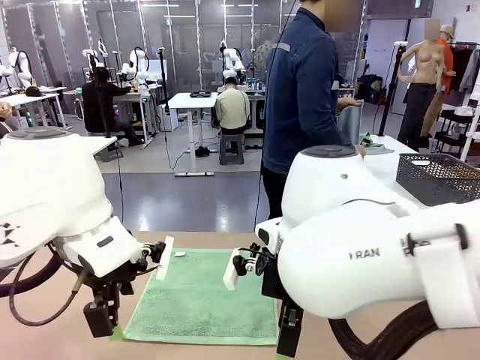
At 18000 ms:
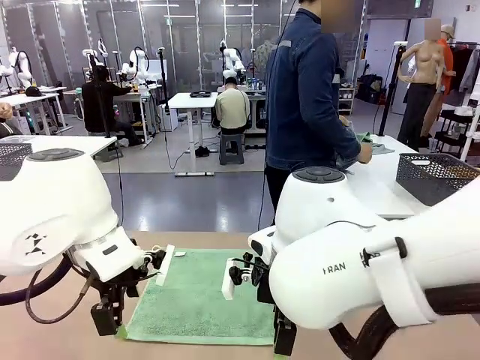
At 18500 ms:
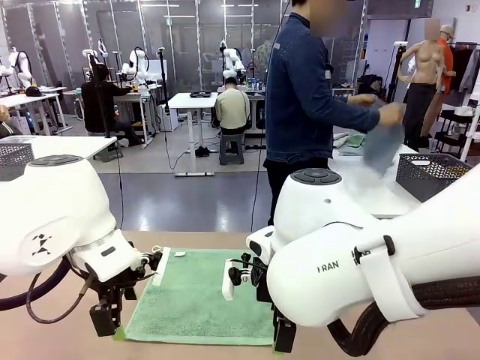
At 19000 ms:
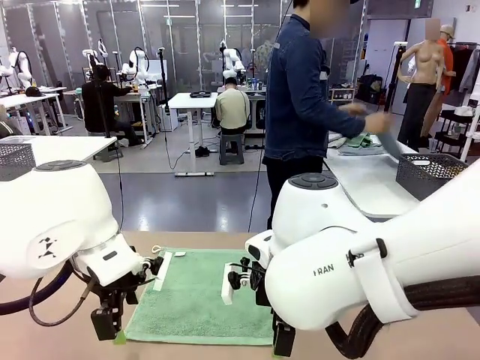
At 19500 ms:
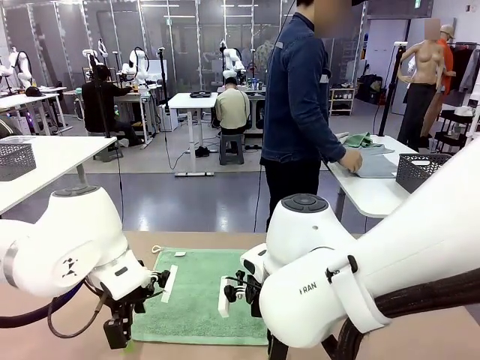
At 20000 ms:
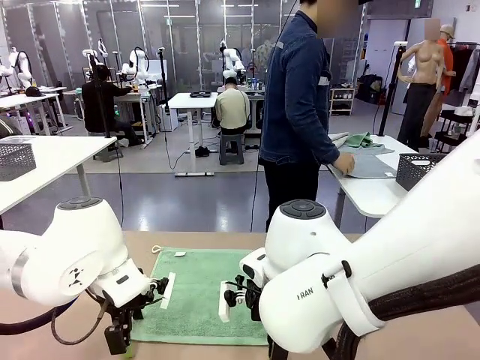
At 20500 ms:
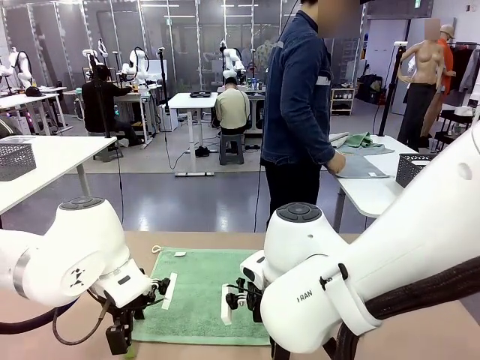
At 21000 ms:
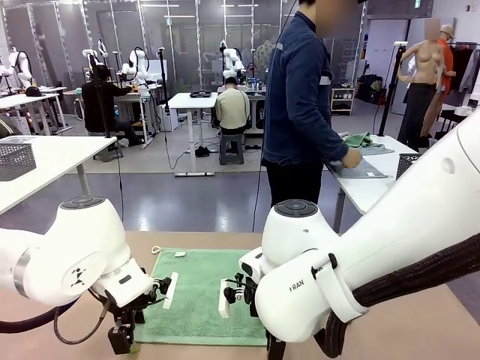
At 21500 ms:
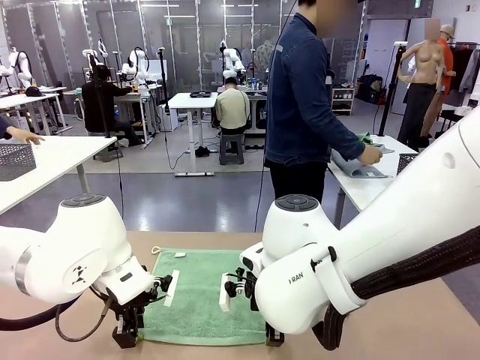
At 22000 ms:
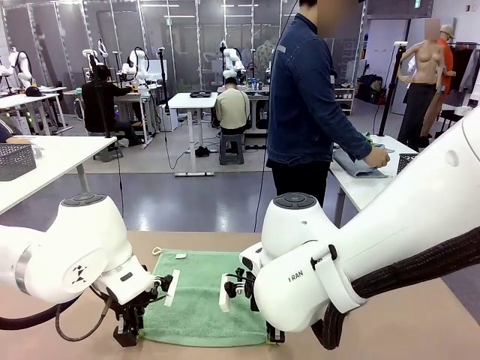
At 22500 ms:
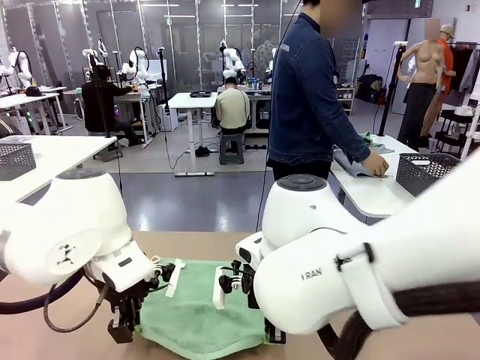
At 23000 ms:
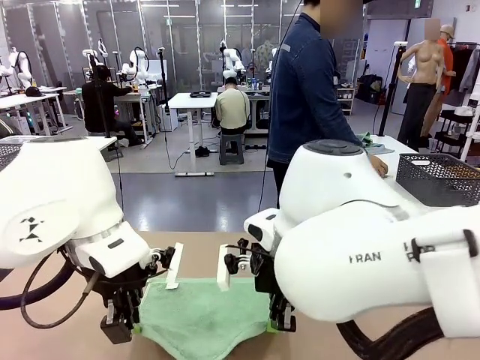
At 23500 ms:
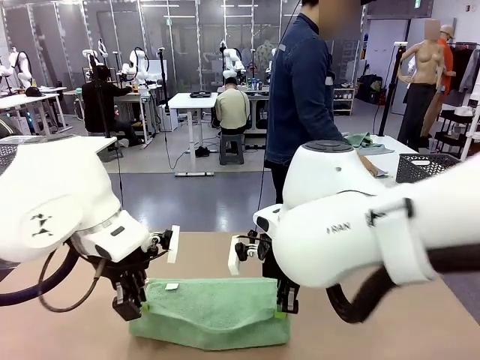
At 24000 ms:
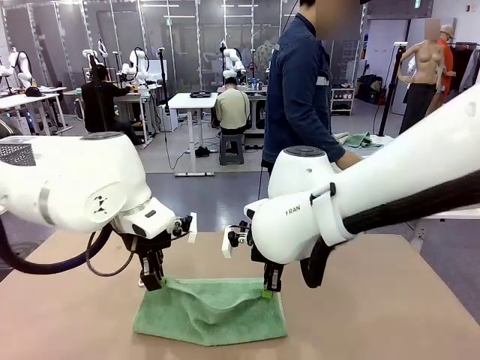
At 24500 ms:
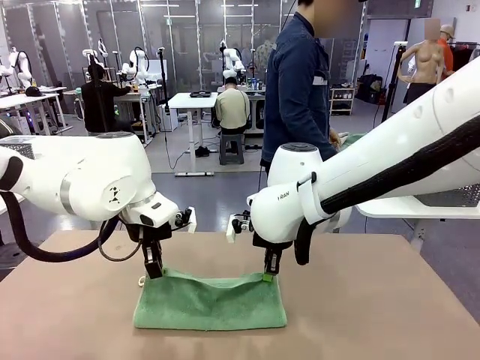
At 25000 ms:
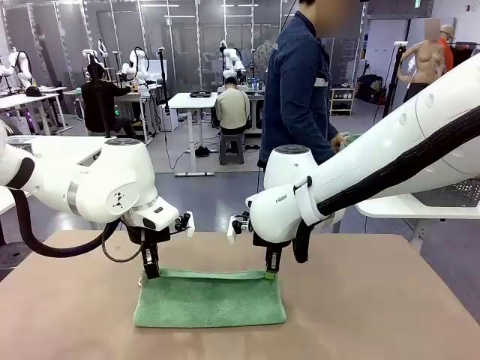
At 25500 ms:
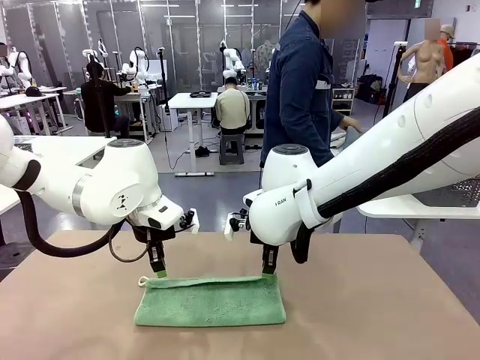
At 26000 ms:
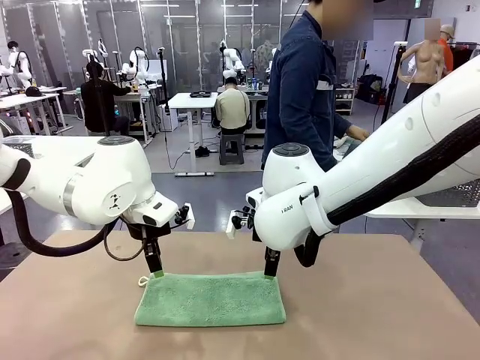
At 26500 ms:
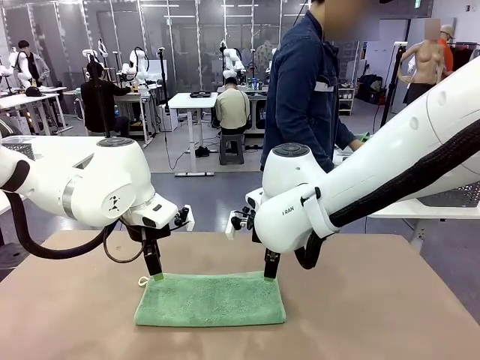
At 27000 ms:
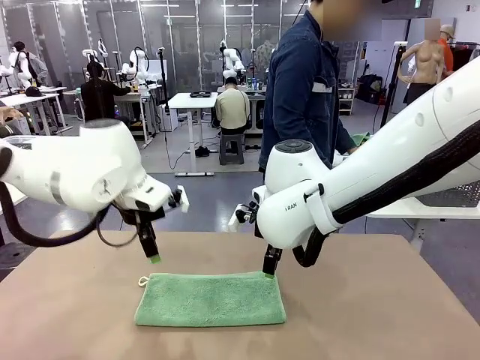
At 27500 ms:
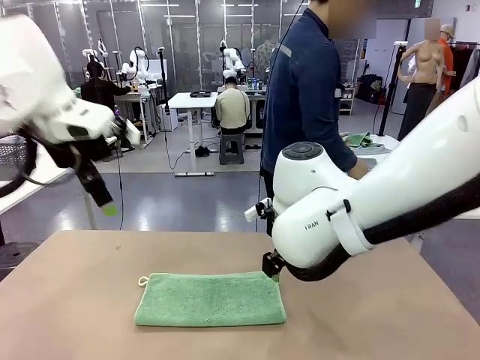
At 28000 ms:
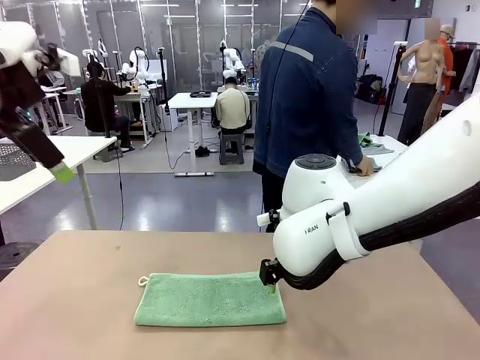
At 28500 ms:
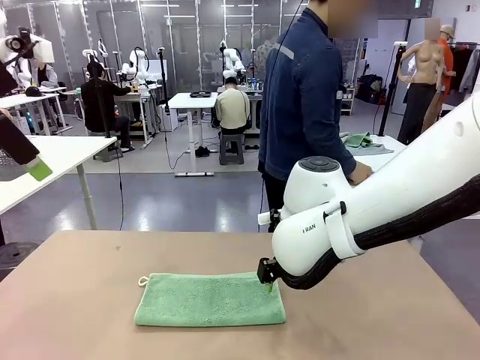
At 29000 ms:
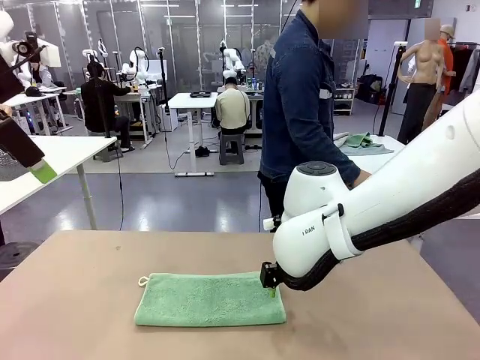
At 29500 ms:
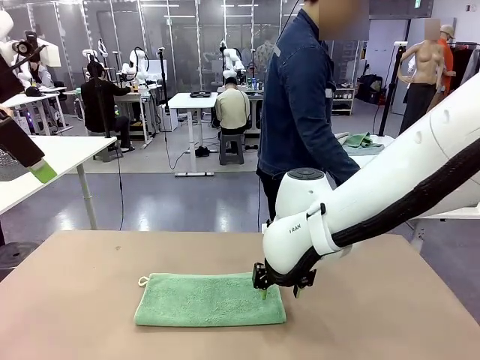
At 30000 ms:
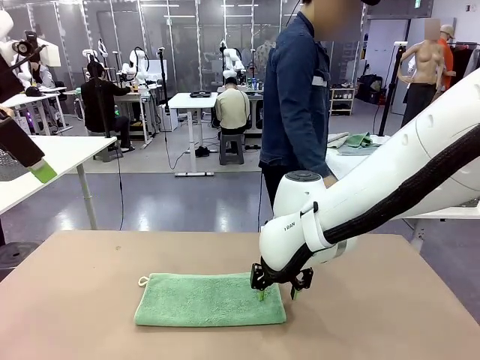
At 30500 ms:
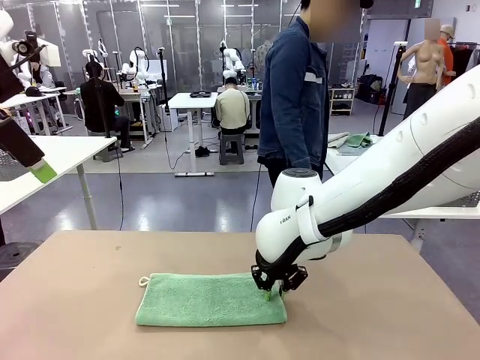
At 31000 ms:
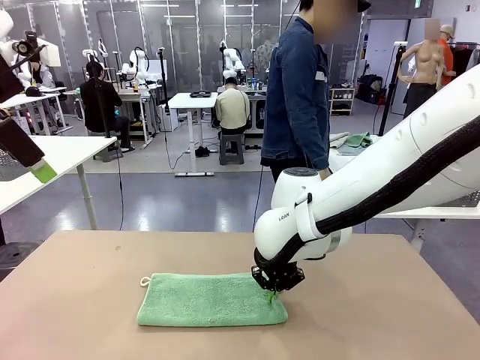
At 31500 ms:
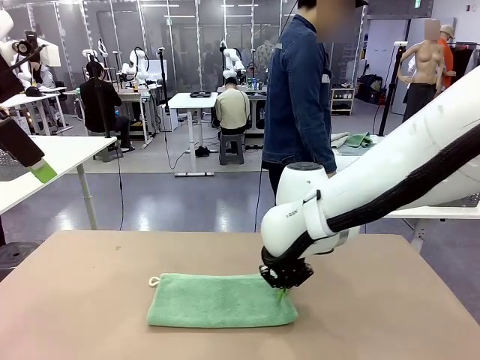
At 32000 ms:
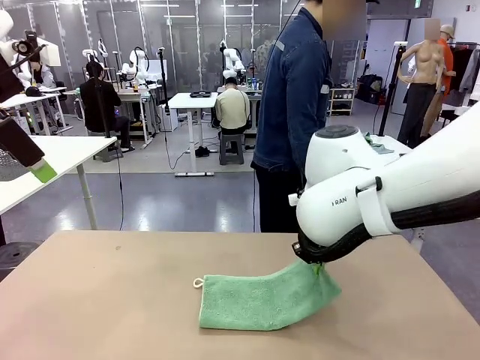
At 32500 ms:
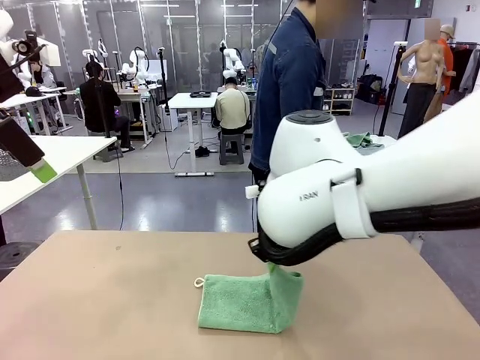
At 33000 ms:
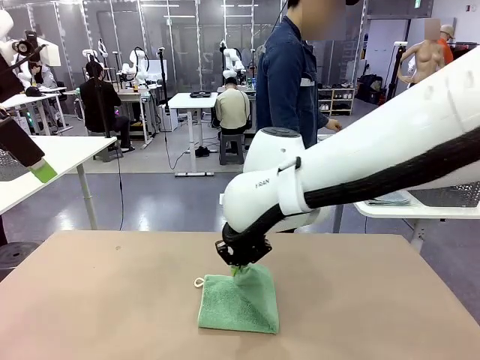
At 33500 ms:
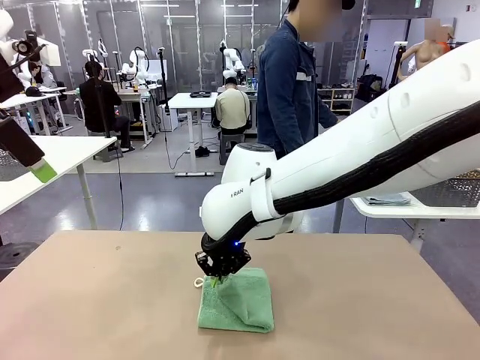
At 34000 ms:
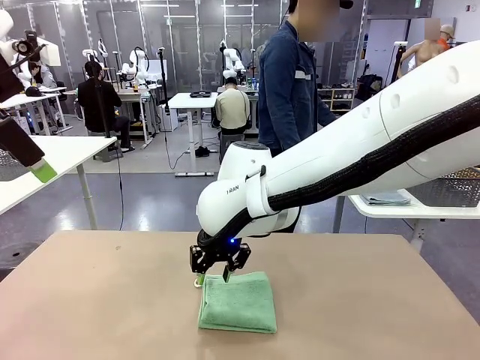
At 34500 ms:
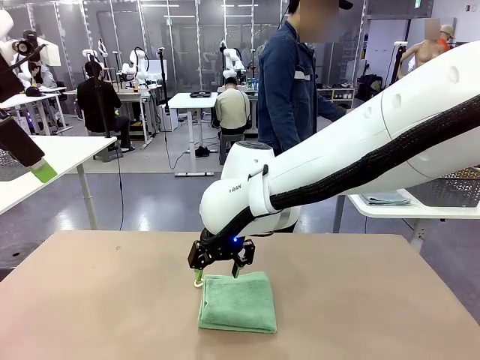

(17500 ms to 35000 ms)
Task: Fold the towels and place them in the basket.
Robot: When a person lays out a Towel with hook on the table, fold it in half twice.
Person: Pick up one towel from the left side of the human table, fold it in half twice, and place it on the right side of the table.

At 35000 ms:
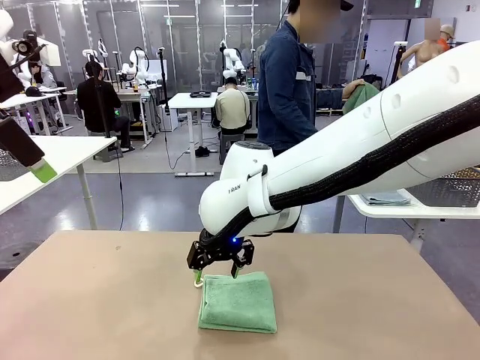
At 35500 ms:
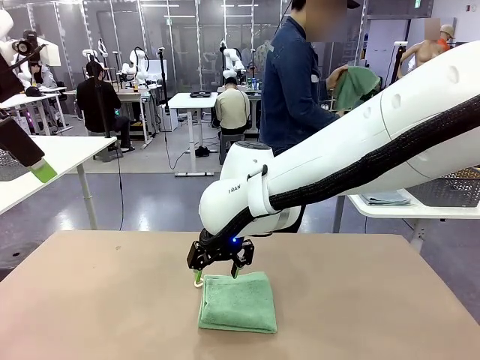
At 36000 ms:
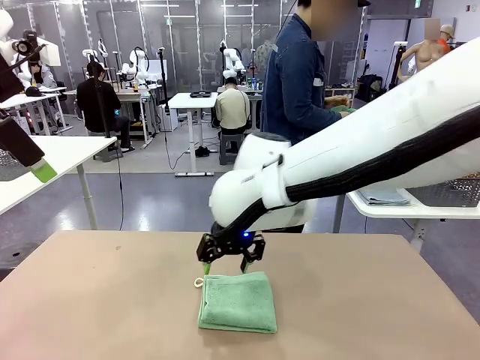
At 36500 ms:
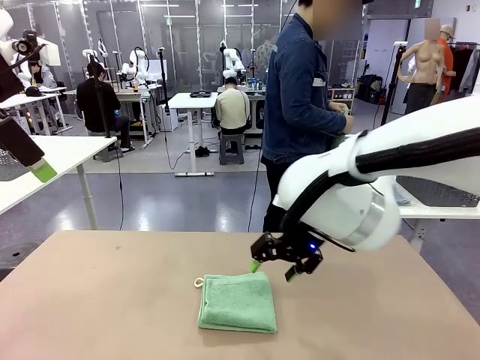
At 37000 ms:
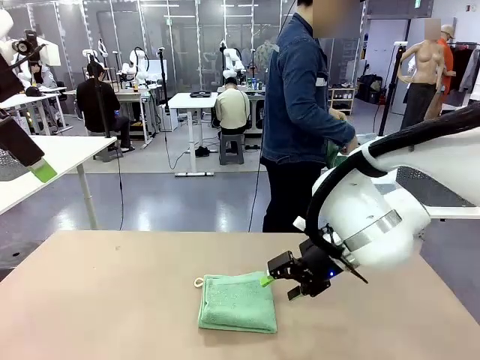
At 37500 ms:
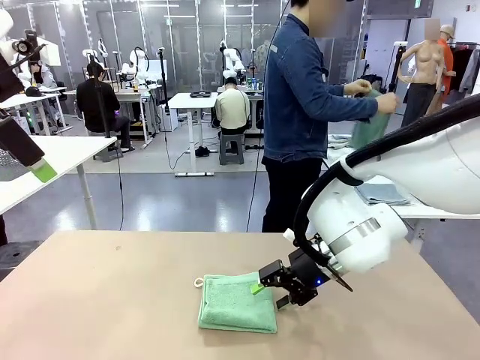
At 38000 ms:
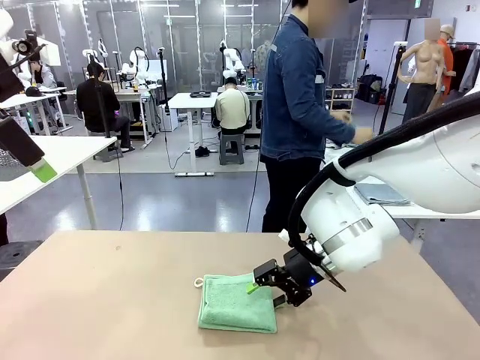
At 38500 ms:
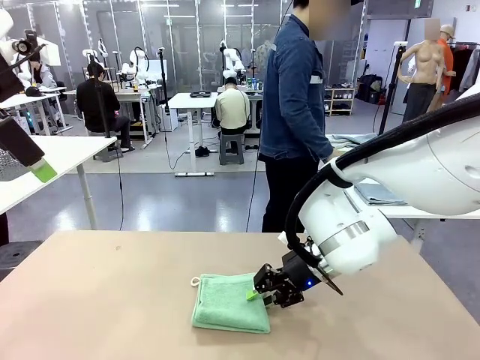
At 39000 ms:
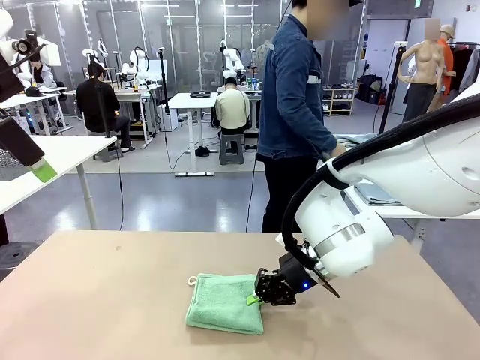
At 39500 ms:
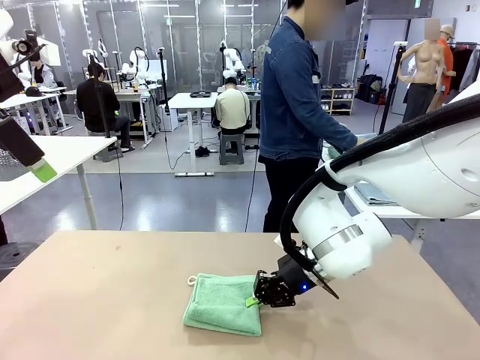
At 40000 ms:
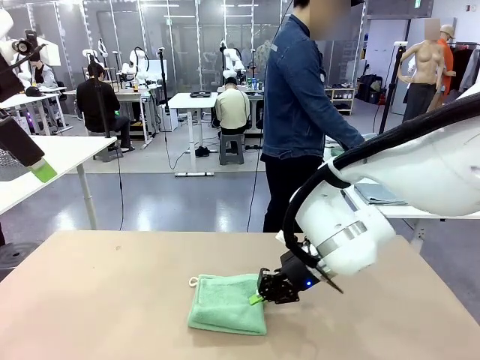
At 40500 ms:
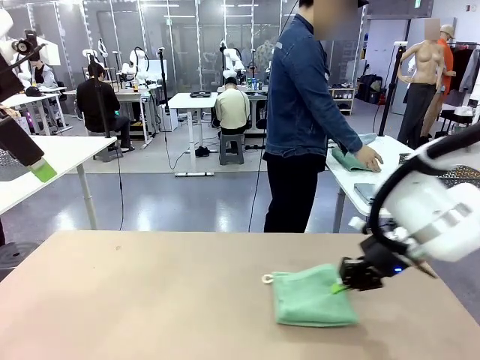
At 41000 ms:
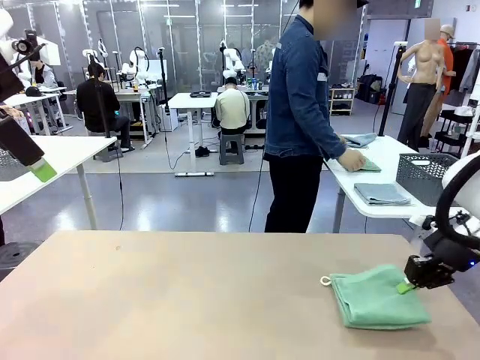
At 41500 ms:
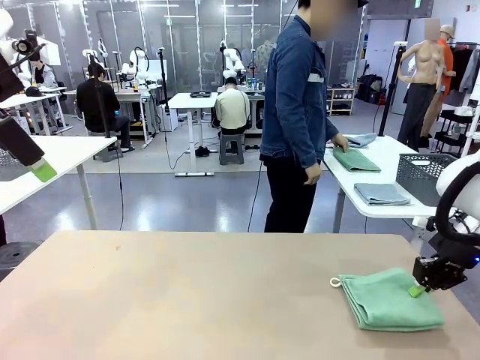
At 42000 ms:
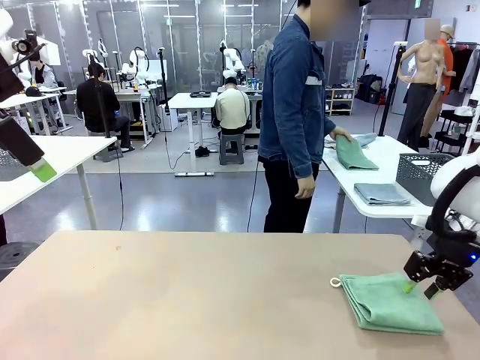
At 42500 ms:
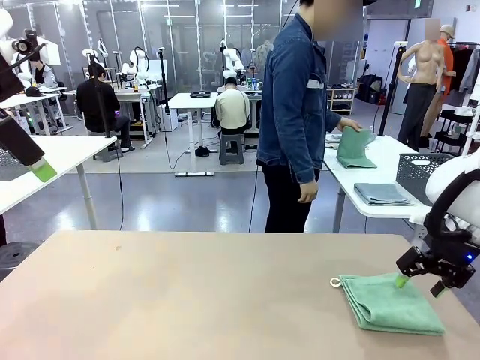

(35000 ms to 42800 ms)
Robot: Place the folded Towel with hook on the right side of the table.
